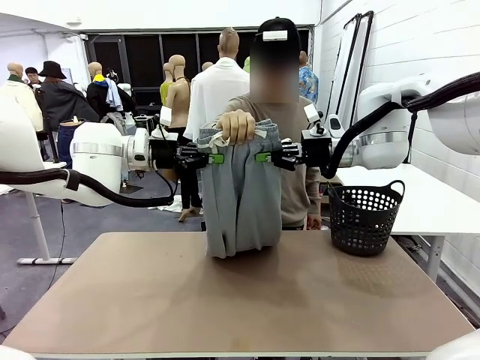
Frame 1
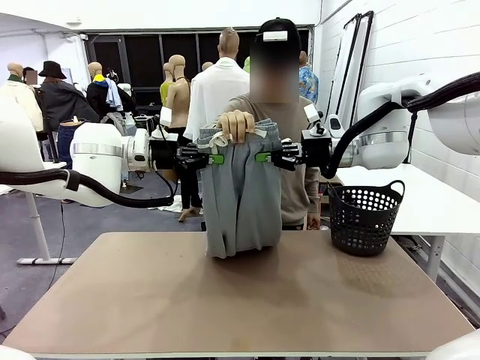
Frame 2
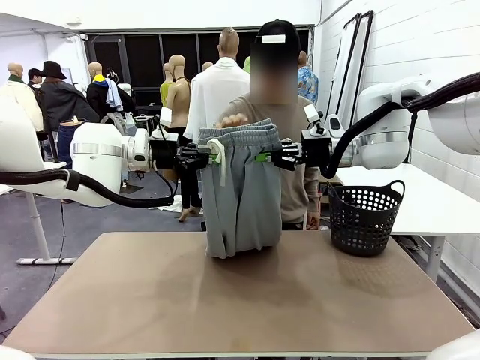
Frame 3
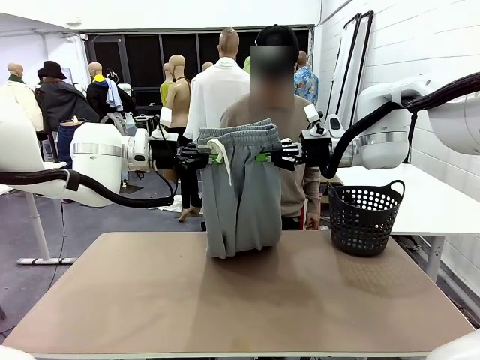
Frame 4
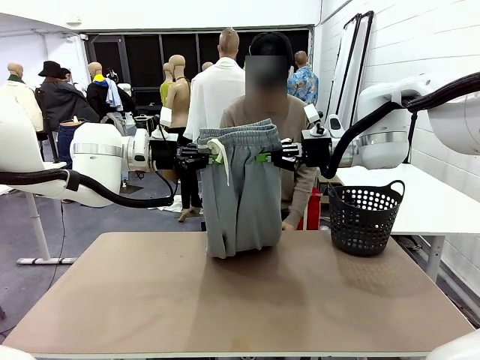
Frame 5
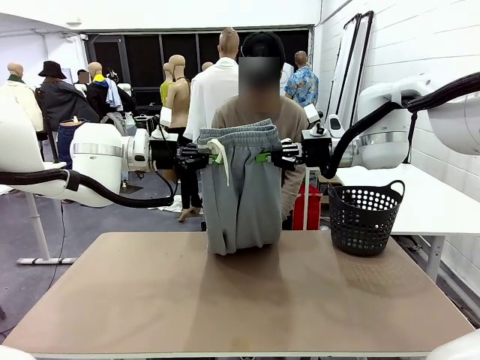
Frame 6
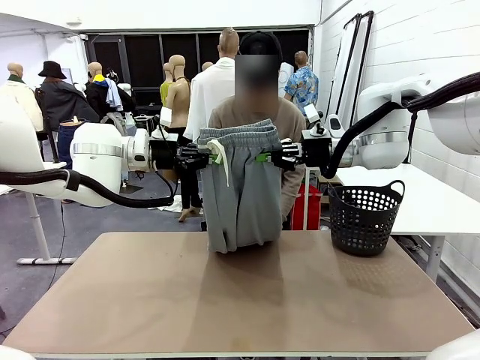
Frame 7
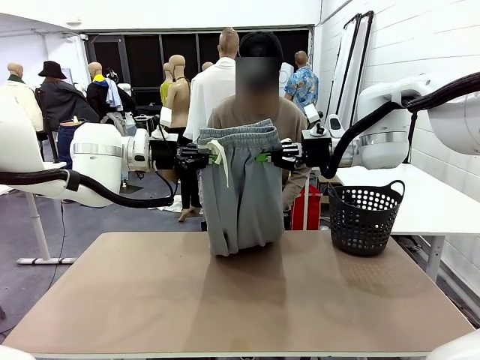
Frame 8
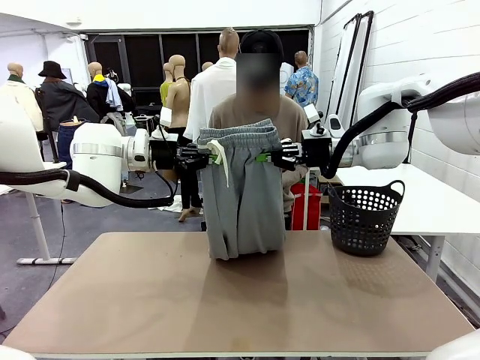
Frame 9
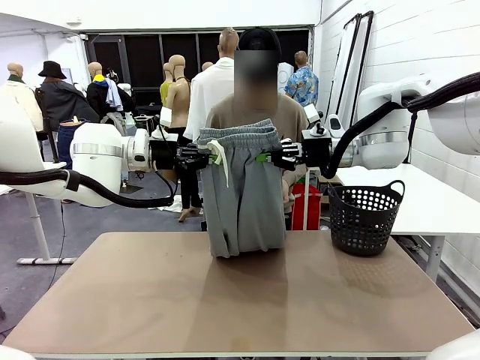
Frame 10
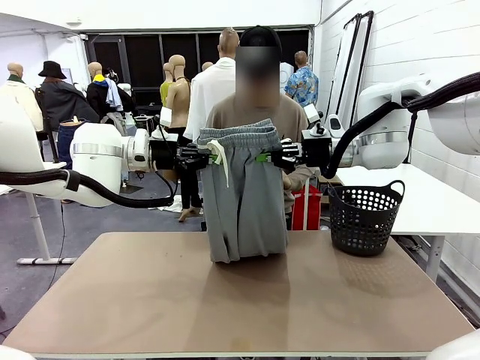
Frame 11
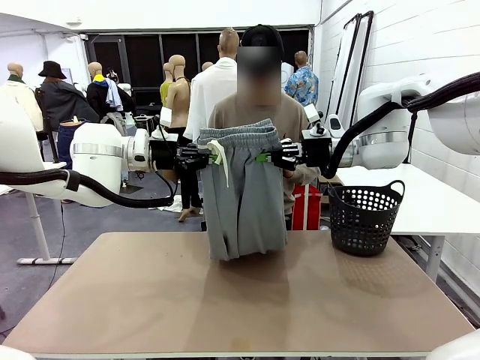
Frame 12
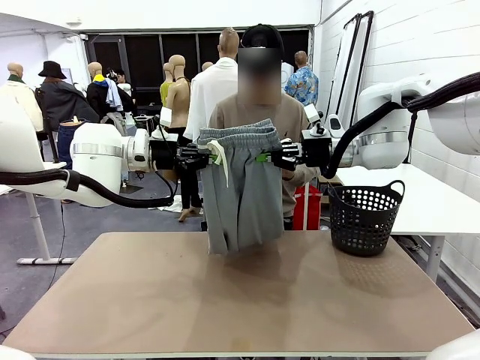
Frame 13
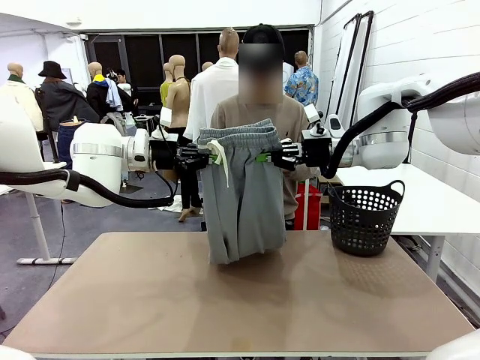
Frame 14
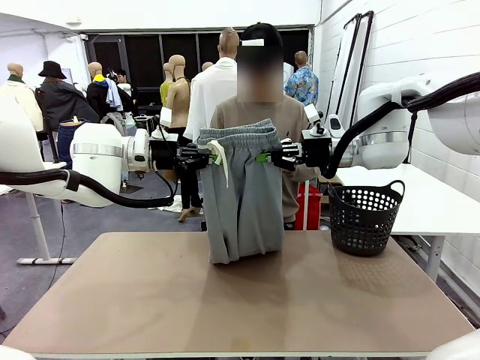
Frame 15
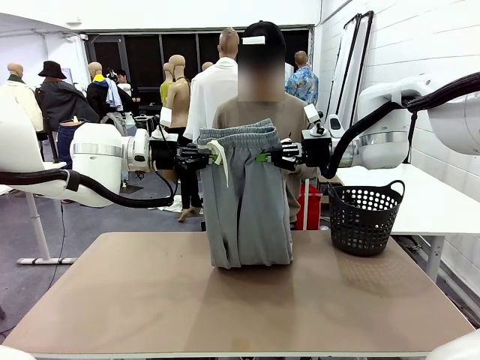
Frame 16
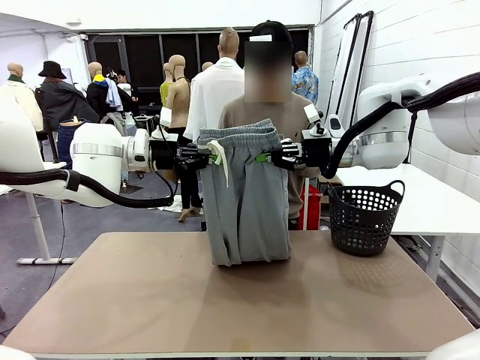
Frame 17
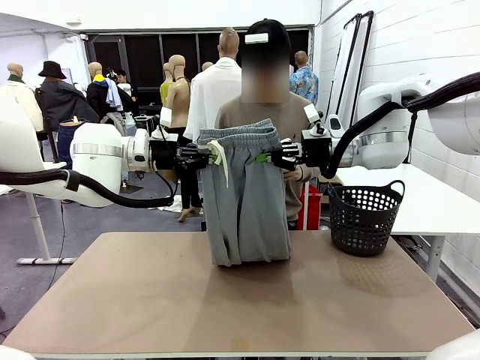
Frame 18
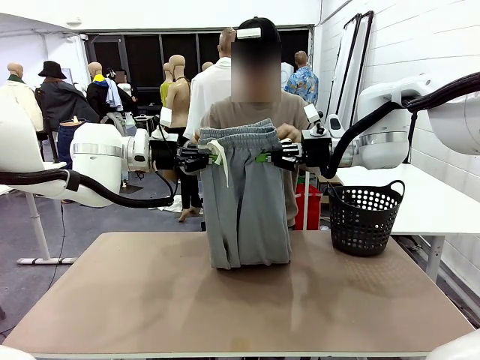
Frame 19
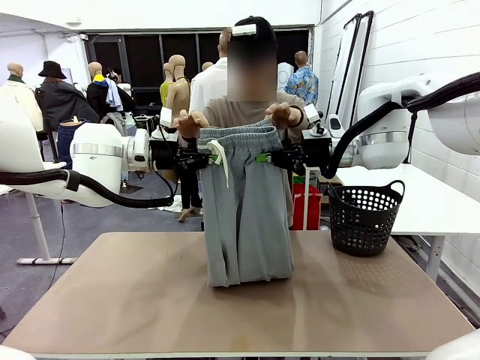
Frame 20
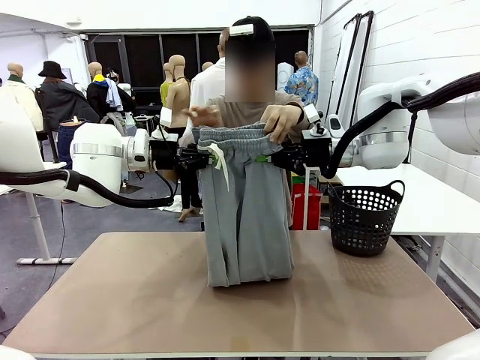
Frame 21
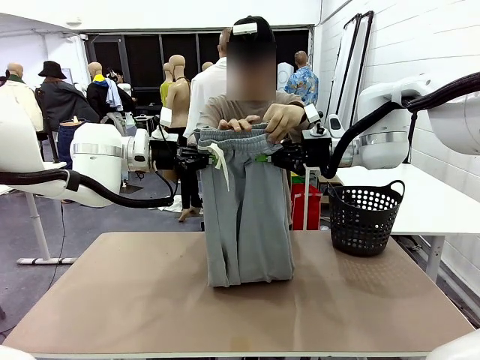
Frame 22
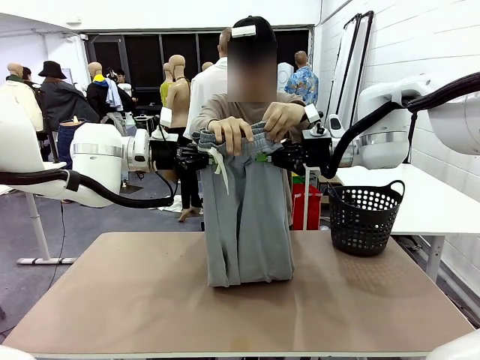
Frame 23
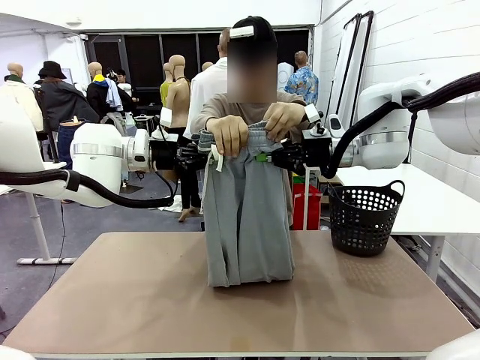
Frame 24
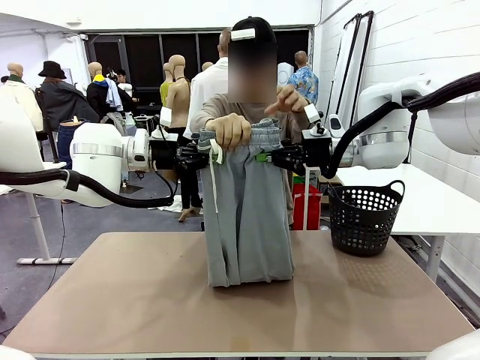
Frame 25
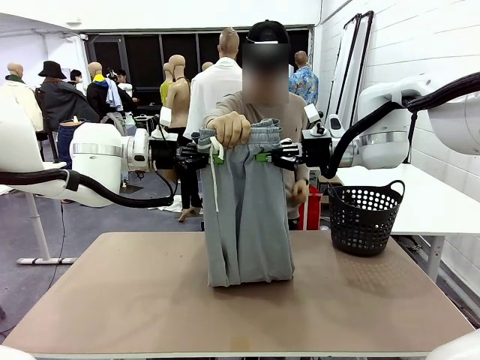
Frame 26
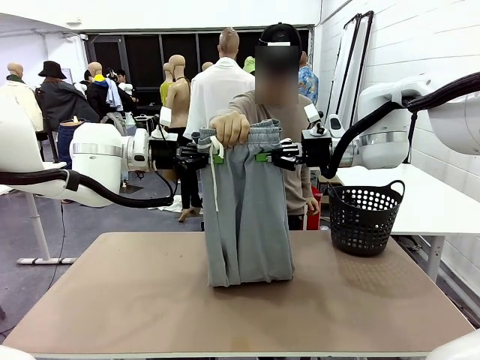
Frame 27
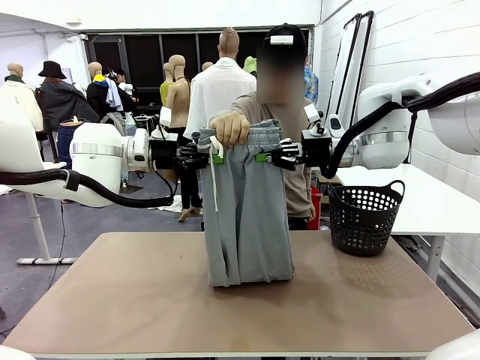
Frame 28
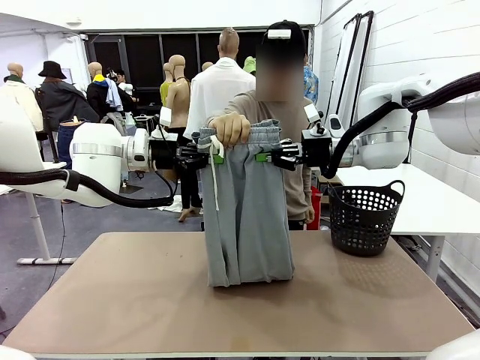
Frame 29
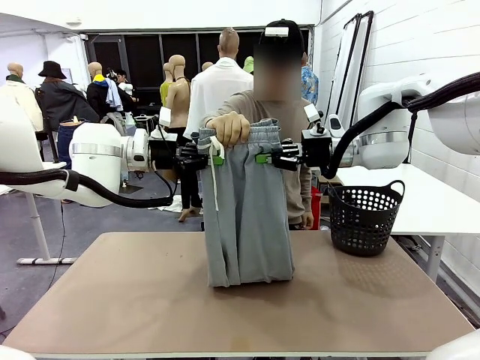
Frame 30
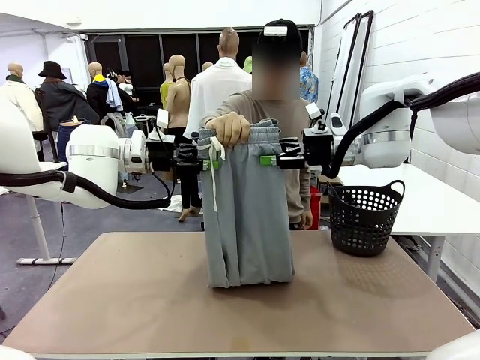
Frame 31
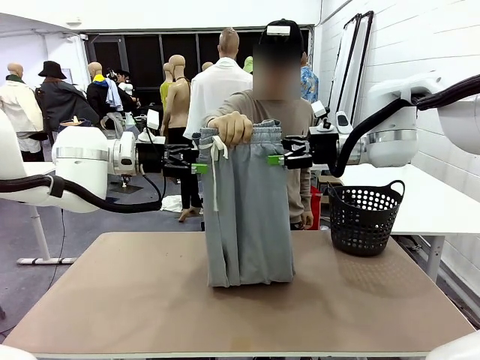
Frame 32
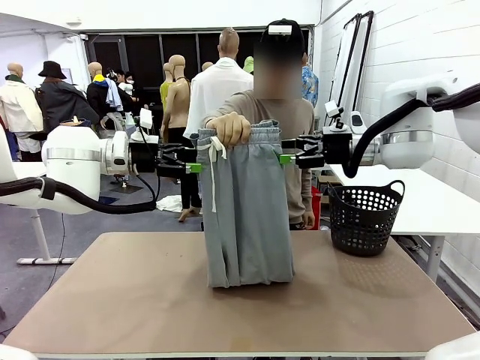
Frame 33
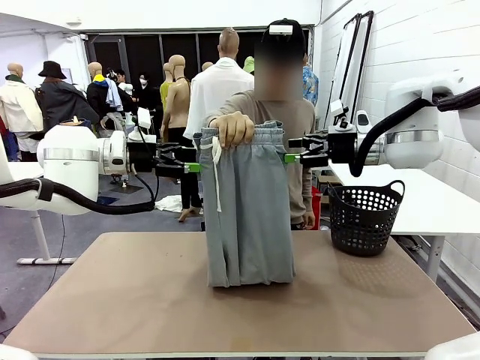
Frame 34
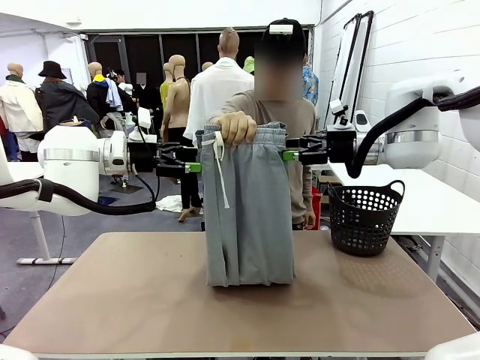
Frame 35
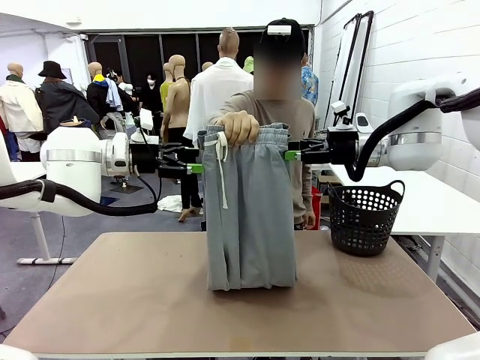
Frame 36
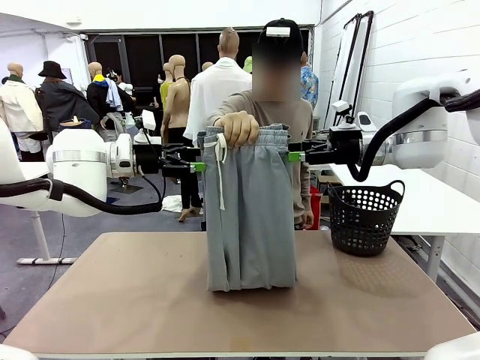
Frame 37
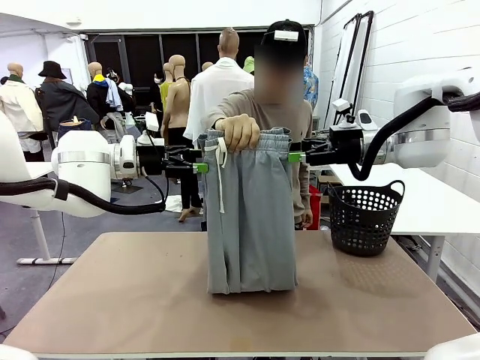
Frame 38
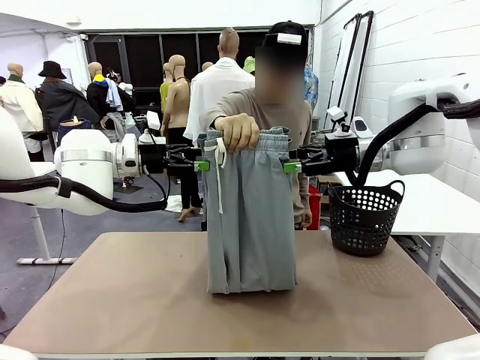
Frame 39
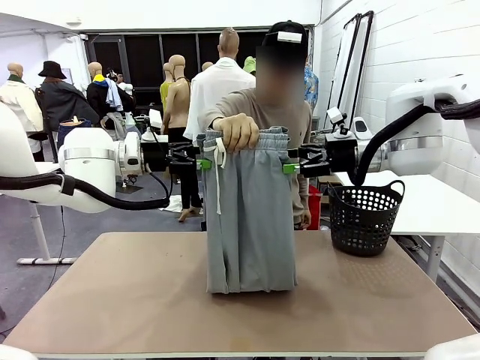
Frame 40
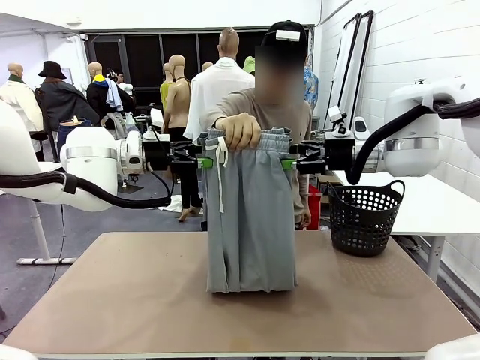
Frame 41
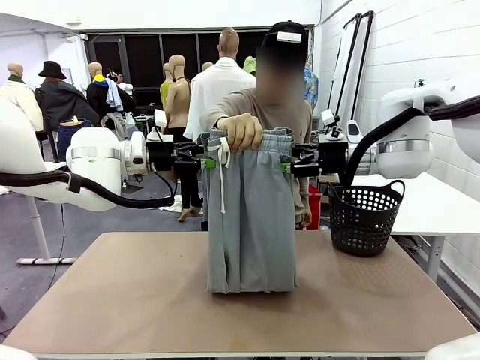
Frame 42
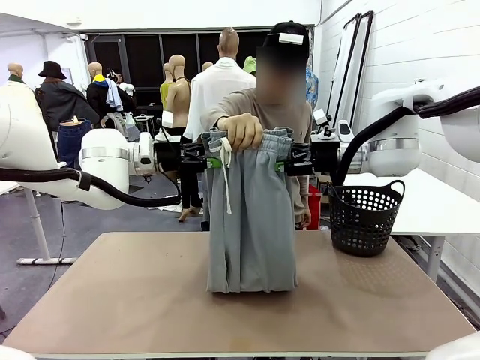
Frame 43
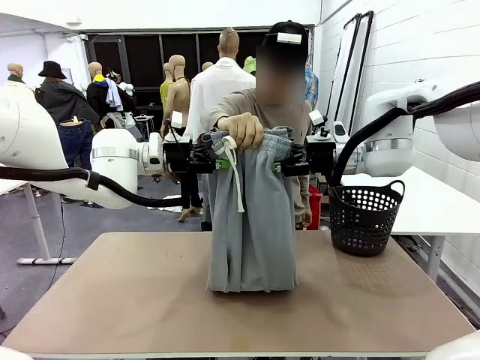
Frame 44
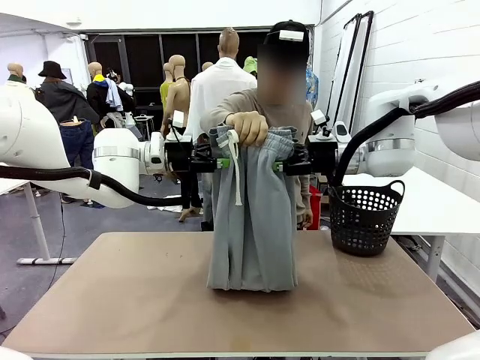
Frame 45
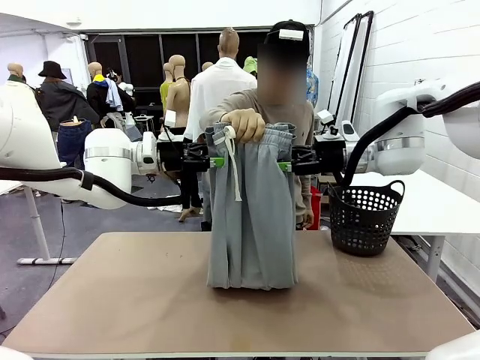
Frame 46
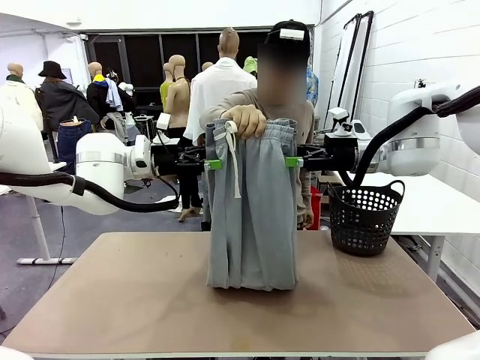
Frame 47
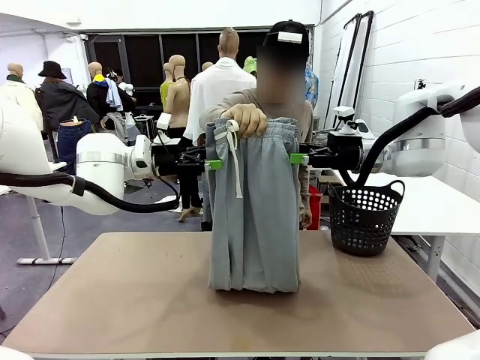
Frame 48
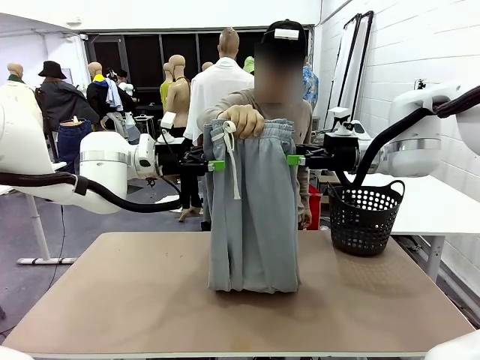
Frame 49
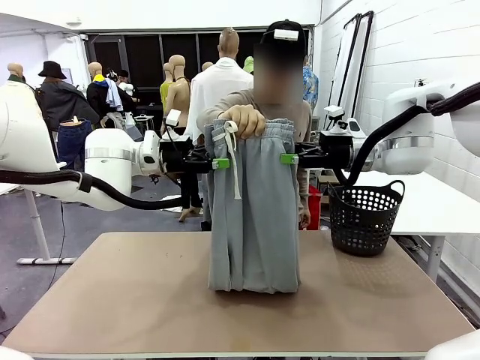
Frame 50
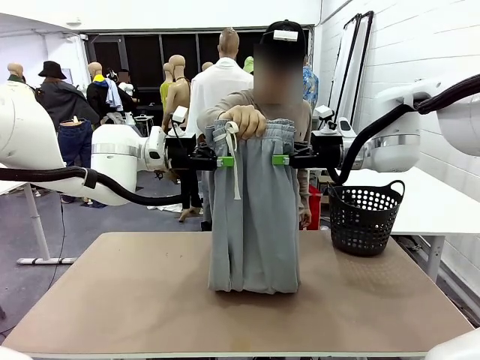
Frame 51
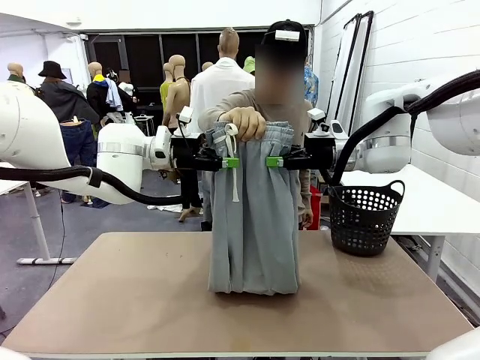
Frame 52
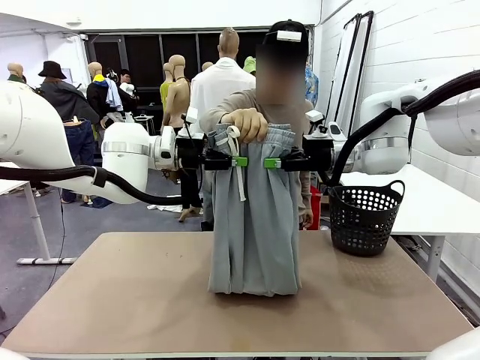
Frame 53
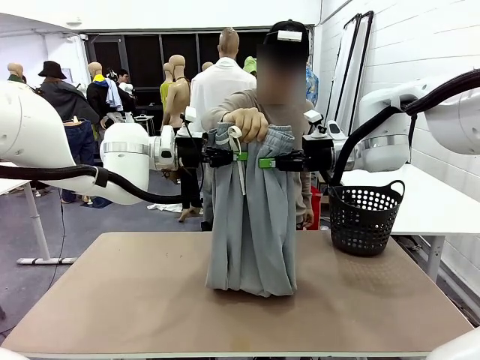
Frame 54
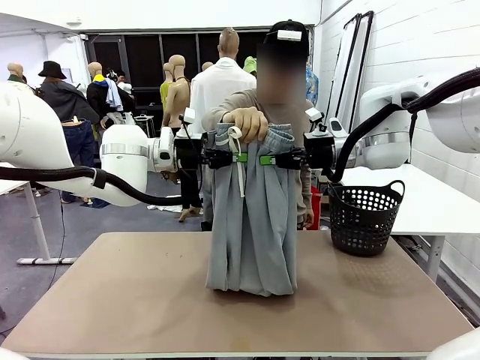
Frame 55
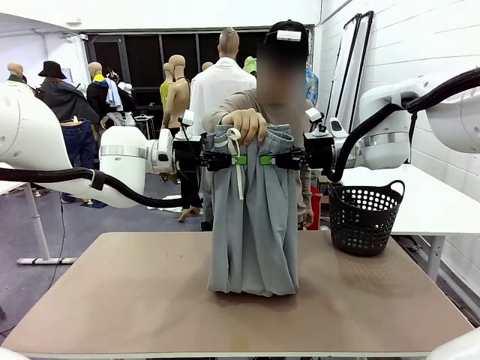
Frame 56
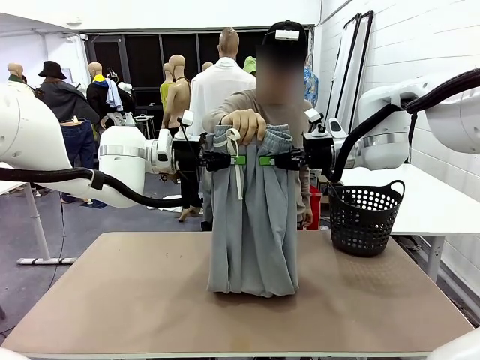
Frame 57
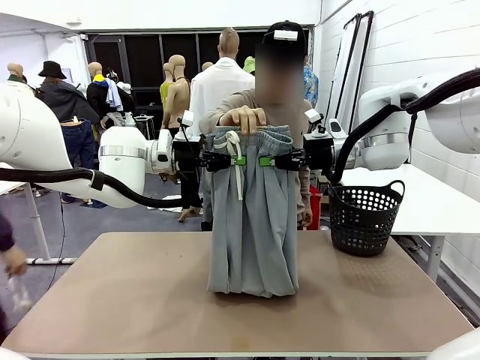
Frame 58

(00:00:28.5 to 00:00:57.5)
Task: Fold the training pants.
Robot: Release the ends of the Training pants and then grab the overlapped ends.
Person: Grasp the end opposite the point the robot is holding, fold the pants in half, and then grasp the overlapping top end of the folded pants. Release the pants you were holding.
